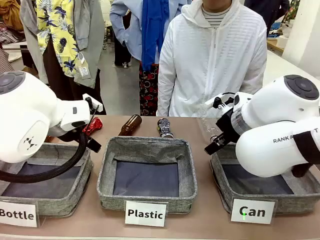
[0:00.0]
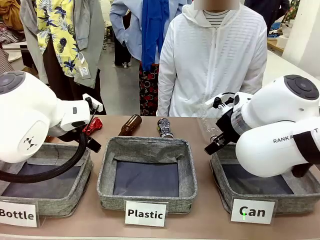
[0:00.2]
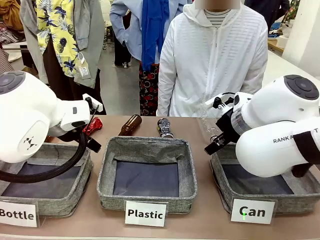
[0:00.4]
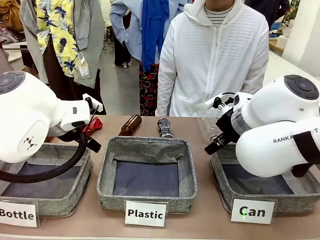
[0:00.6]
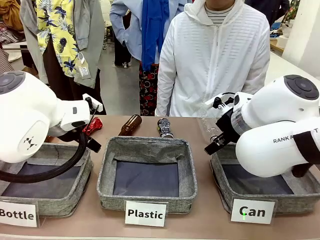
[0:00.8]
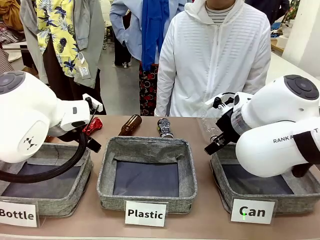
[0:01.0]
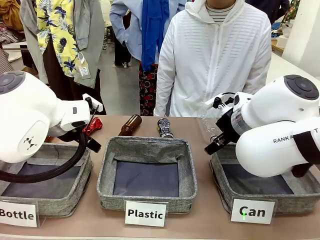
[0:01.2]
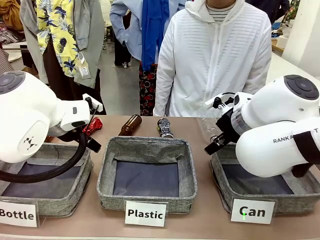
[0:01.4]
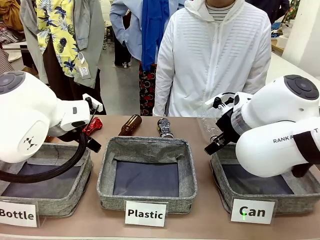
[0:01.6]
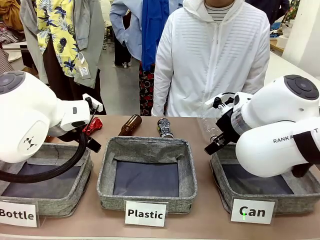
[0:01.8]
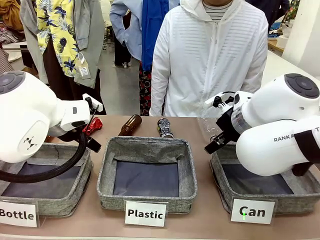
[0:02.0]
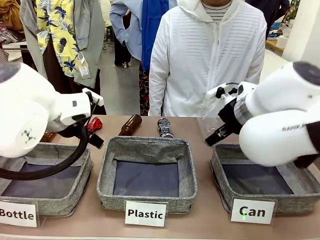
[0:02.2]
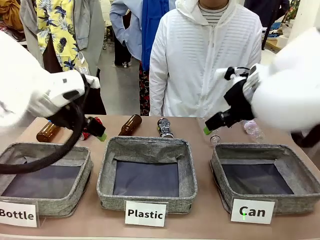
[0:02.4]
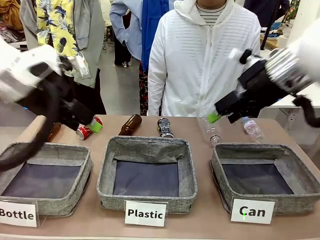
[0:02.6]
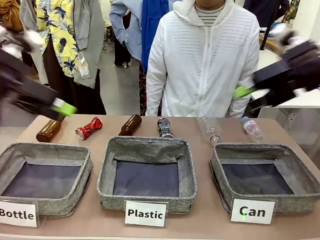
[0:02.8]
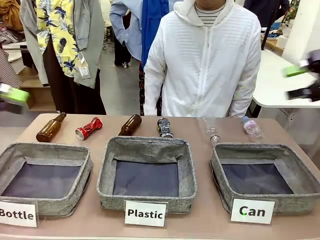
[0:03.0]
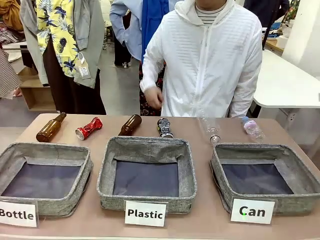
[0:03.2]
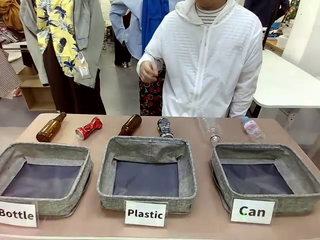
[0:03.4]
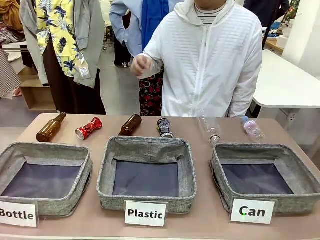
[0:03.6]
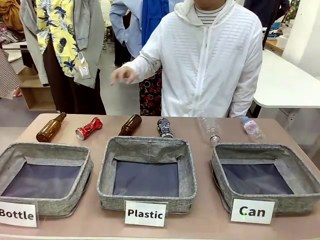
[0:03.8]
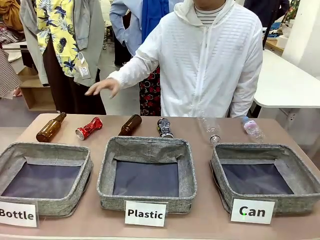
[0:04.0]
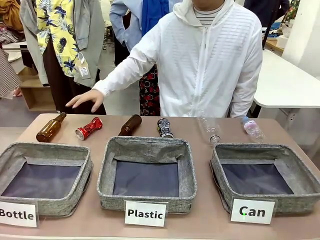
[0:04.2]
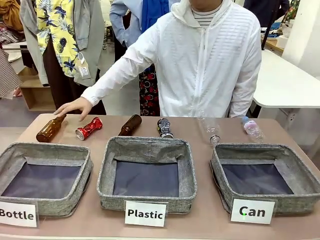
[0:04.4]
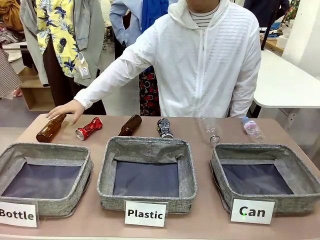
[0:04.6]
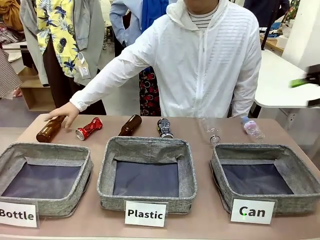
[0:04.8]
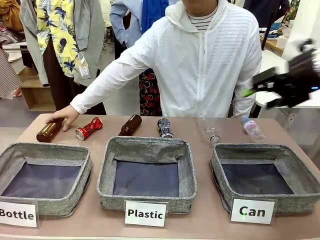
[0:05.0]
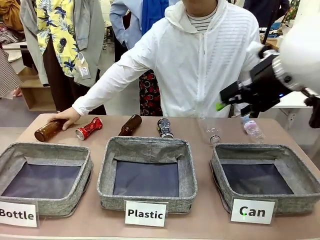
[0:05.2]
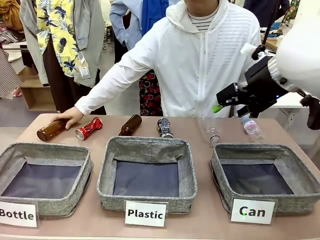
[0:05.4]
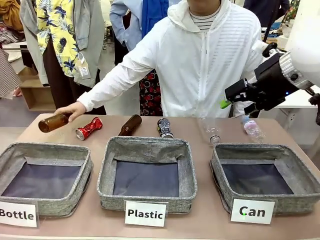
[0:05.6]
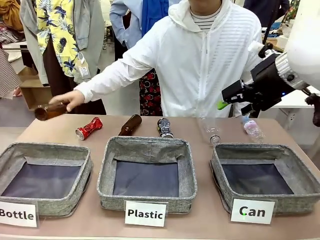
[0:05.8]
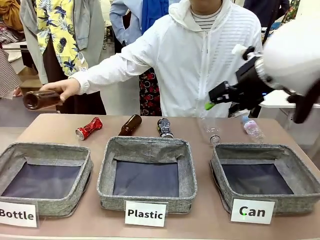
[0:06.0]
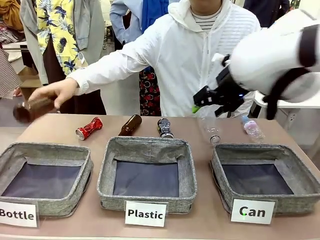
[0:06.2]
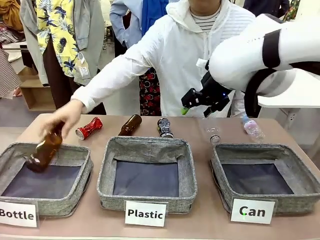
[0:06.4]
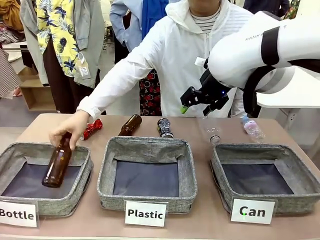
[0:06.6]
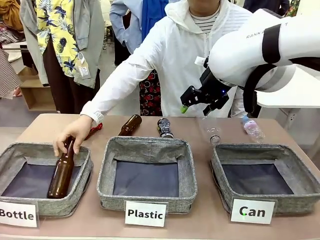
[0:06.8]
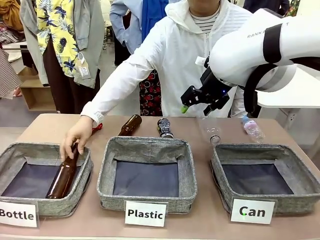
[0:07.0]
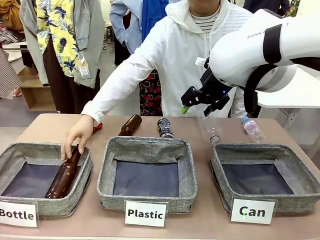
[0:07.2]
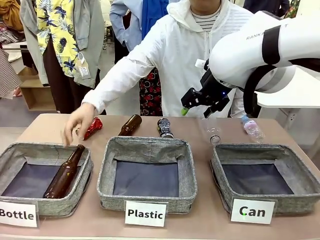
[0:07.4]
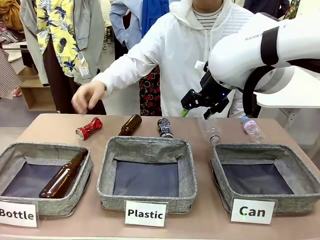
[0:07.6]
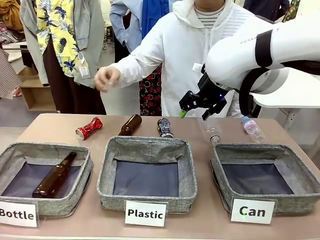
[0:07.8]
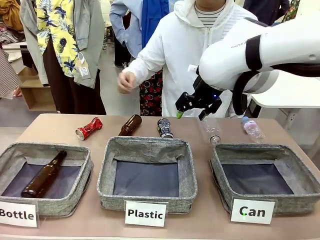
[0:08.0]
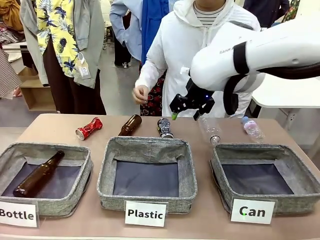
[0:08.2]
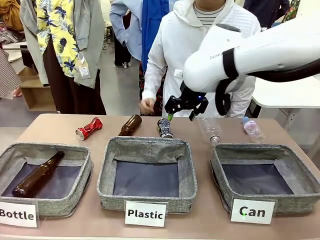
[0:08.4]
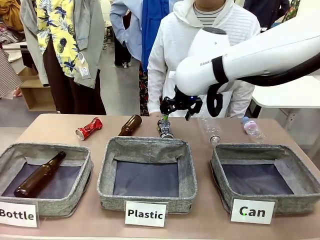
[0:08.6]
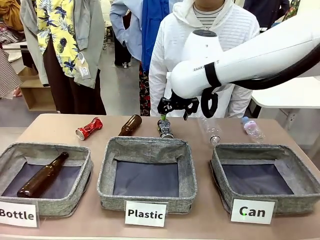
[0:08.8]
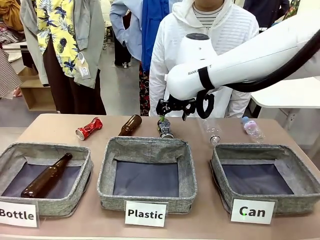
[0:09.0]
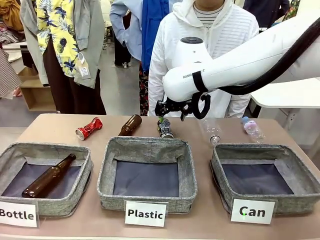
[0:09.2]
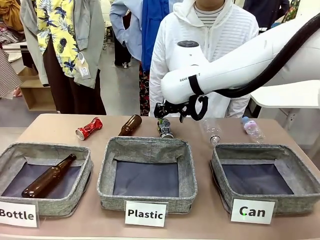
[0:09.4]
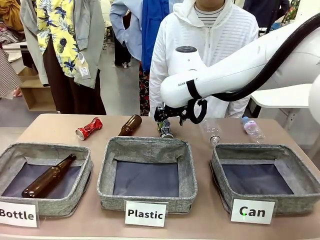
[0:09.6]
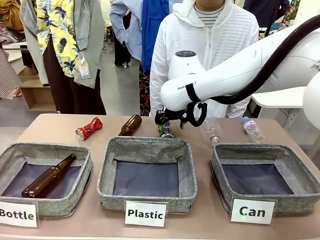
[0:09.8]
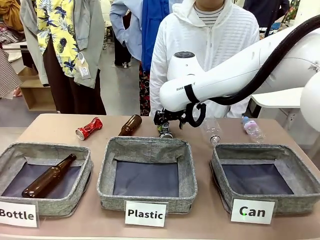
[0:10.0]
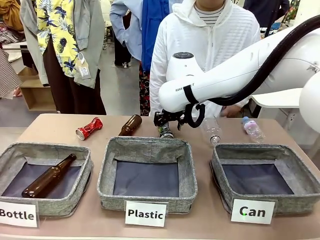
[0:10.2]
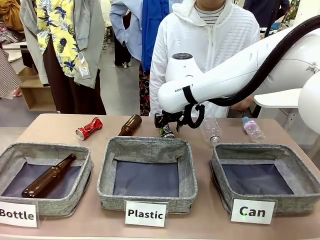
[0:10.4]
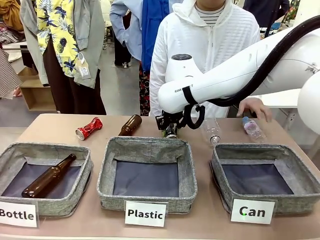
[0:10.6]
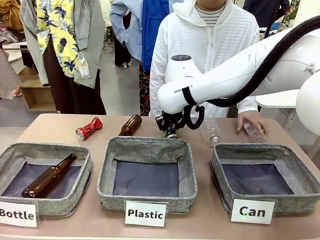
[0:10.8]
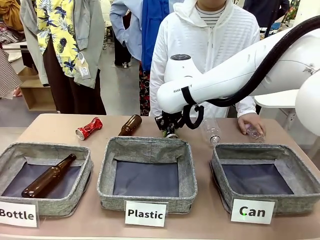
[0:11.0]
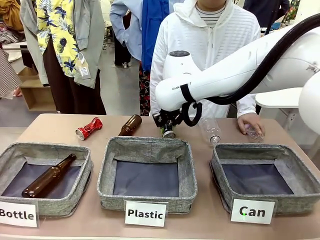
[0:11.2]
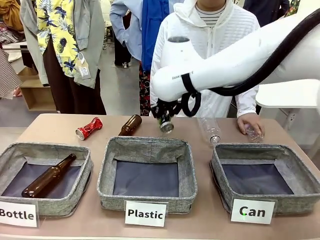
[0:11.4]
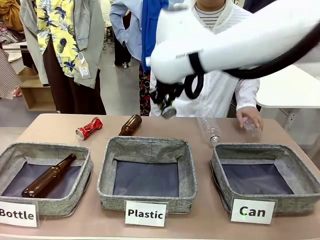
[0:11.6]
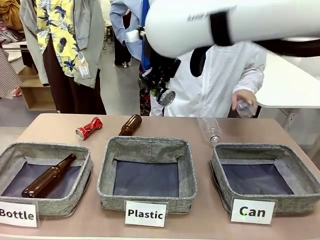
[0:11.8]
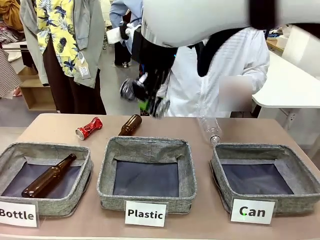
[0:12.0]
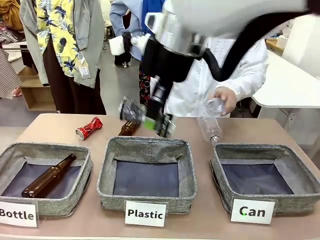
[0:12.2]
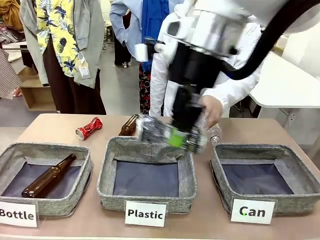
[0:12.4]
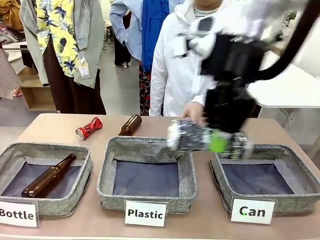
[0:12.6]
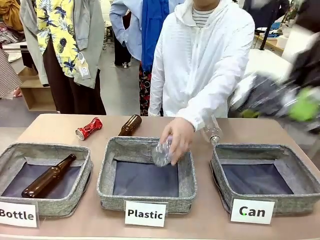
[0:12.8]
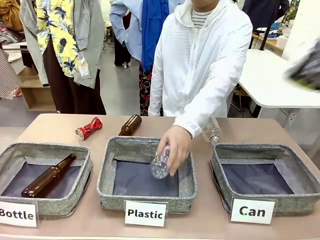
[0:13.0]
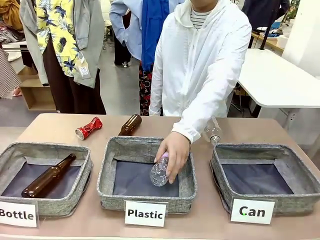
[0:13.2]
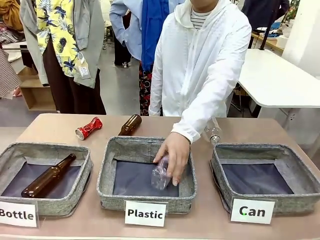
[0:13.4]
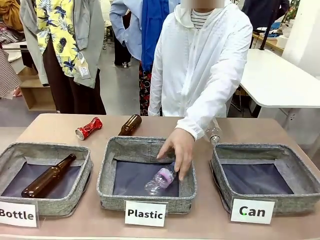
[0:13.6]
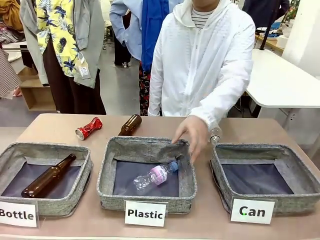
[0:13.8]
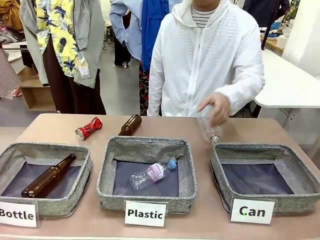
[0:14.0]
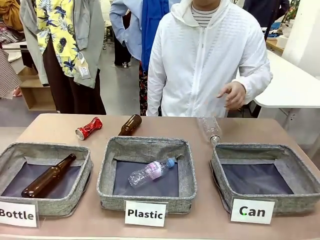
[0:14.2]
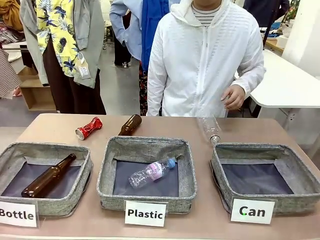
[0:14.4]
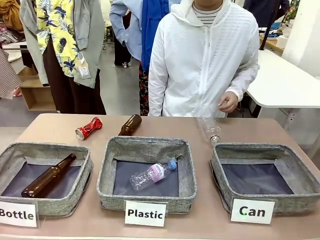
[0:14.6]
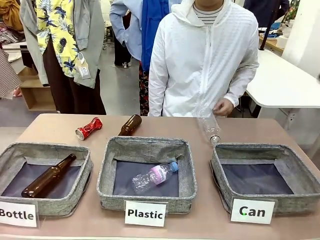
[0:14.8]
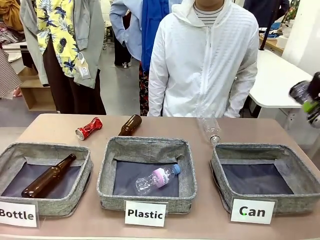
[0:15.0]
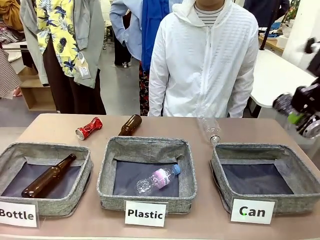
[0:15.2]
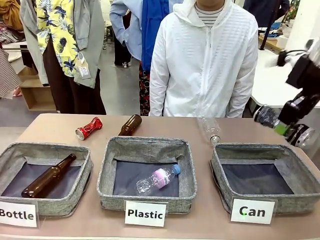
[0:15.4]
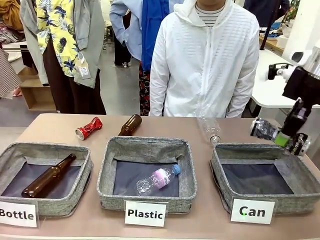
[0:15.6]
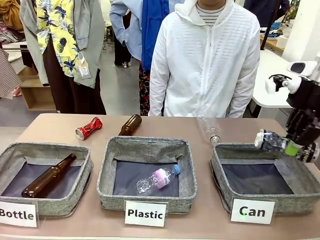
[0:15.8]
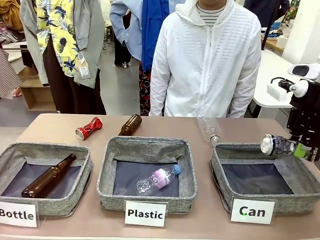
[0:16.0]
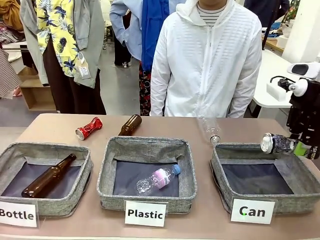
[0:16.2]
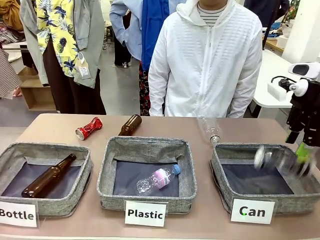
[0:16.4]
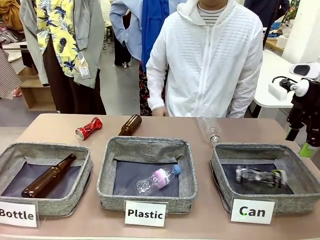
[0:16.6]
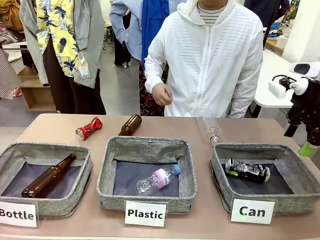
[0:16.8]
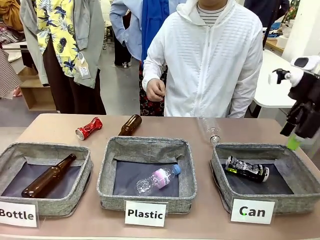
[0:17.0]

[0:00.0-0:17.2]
Task: Sort the can waste into the basket.
Robot: Pick up the can waste from the table and place it in the right Fabric basket.
